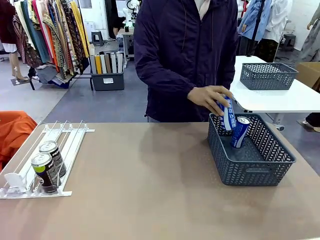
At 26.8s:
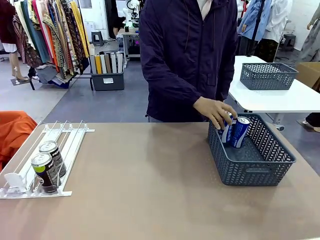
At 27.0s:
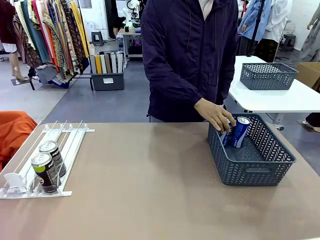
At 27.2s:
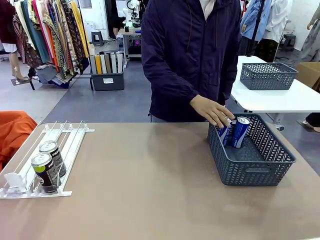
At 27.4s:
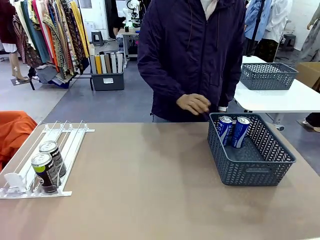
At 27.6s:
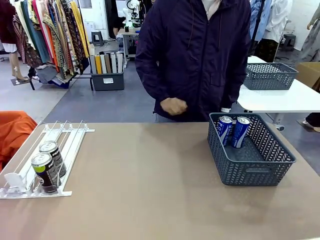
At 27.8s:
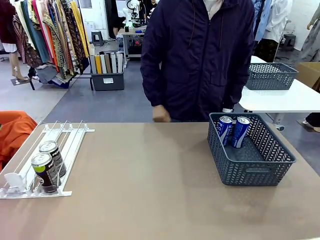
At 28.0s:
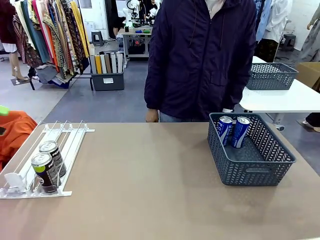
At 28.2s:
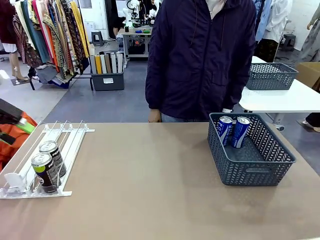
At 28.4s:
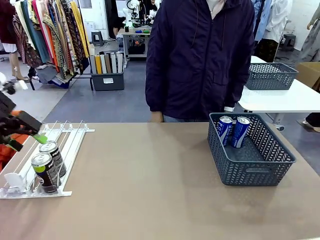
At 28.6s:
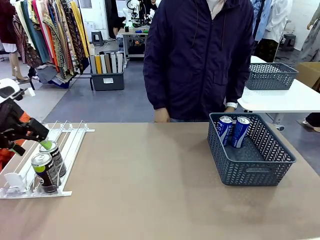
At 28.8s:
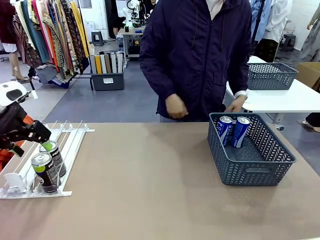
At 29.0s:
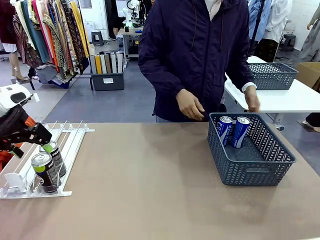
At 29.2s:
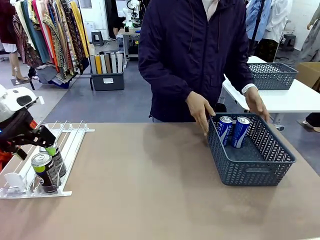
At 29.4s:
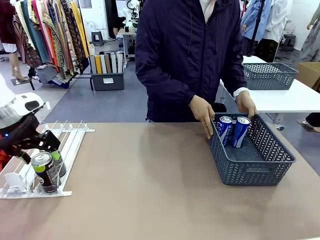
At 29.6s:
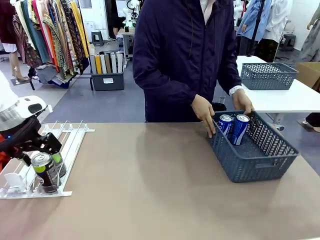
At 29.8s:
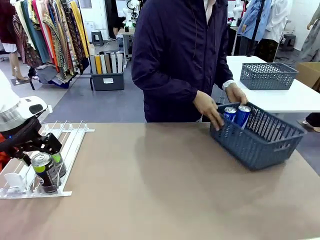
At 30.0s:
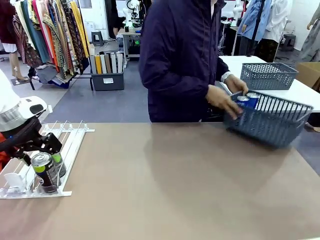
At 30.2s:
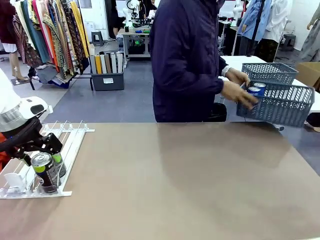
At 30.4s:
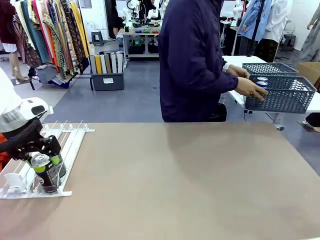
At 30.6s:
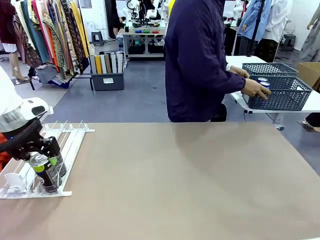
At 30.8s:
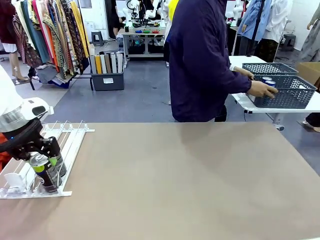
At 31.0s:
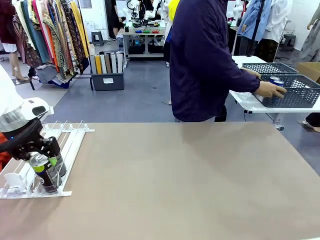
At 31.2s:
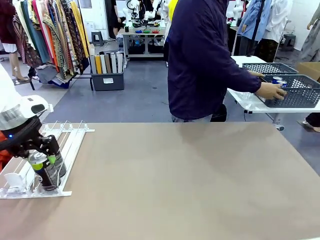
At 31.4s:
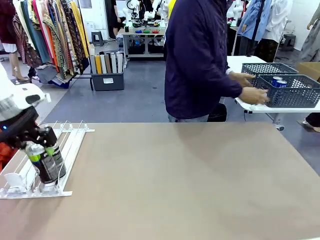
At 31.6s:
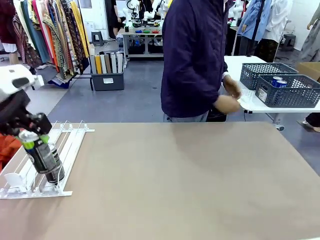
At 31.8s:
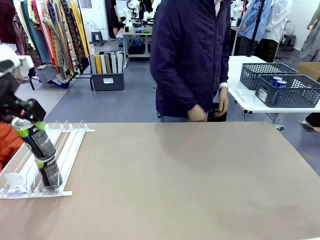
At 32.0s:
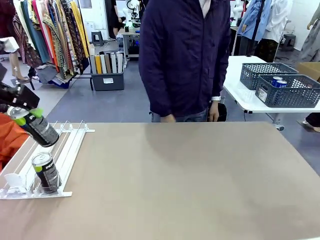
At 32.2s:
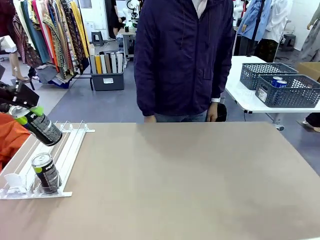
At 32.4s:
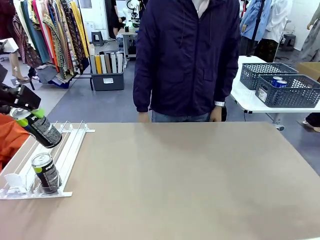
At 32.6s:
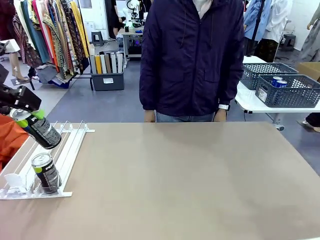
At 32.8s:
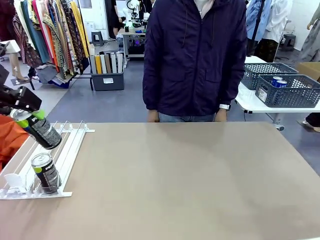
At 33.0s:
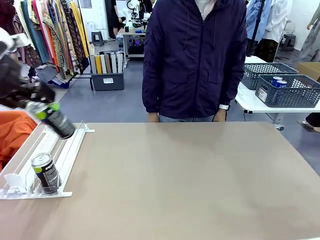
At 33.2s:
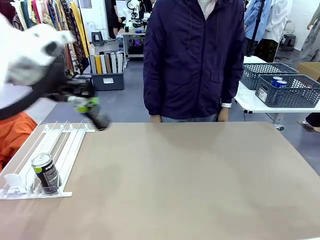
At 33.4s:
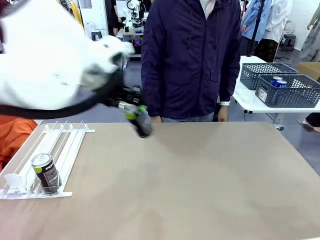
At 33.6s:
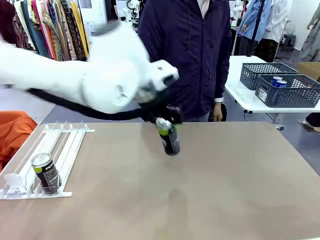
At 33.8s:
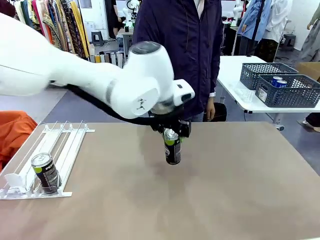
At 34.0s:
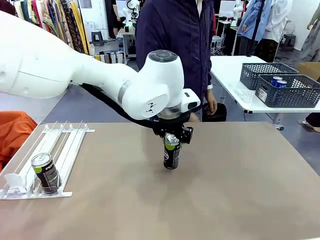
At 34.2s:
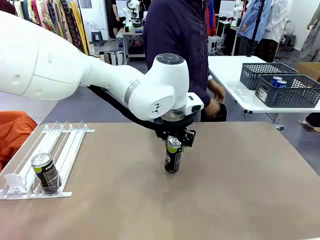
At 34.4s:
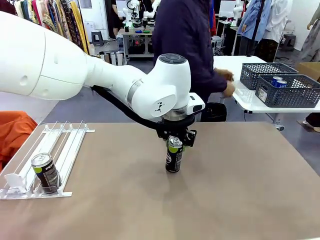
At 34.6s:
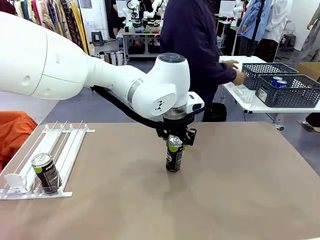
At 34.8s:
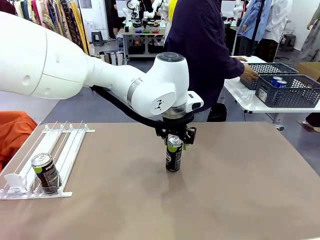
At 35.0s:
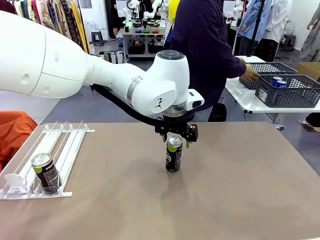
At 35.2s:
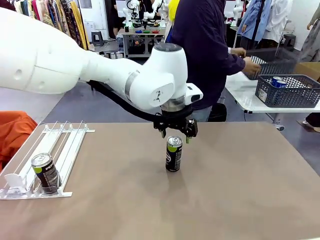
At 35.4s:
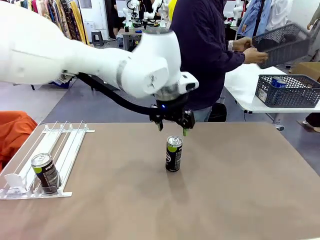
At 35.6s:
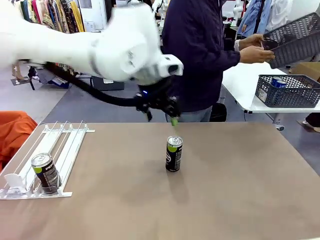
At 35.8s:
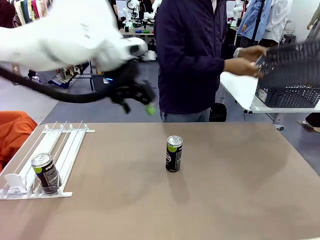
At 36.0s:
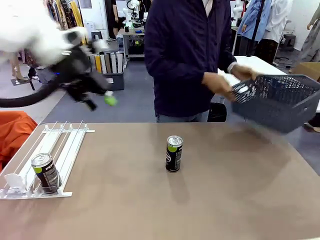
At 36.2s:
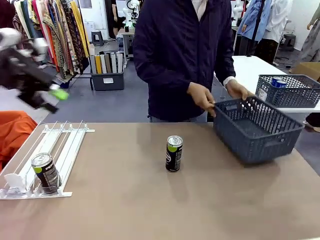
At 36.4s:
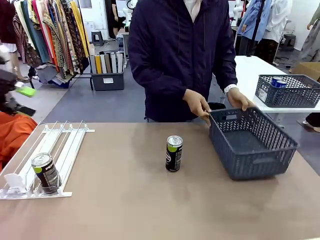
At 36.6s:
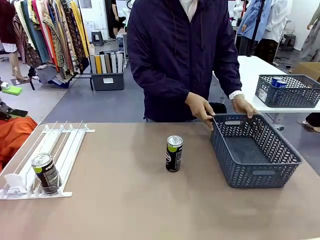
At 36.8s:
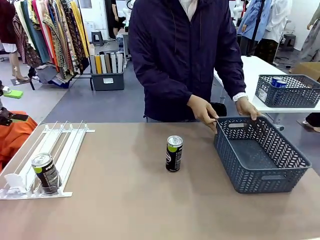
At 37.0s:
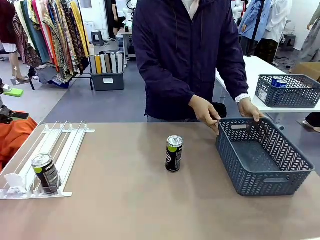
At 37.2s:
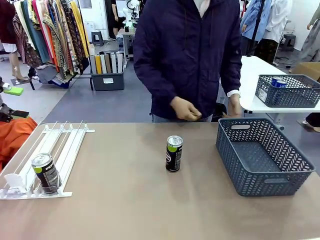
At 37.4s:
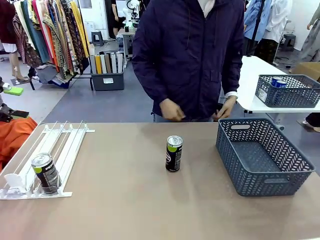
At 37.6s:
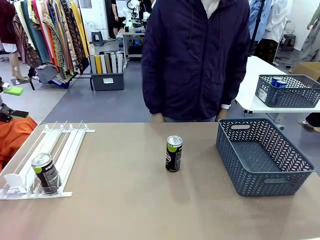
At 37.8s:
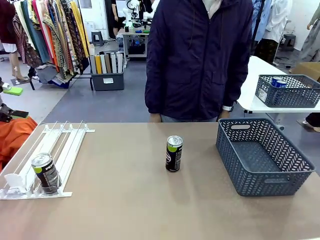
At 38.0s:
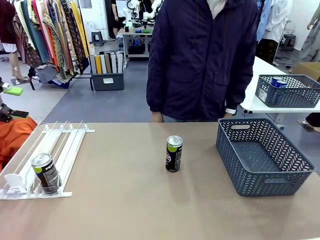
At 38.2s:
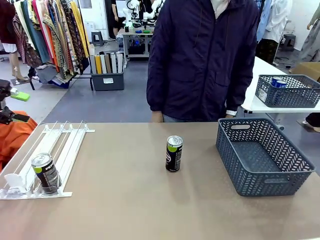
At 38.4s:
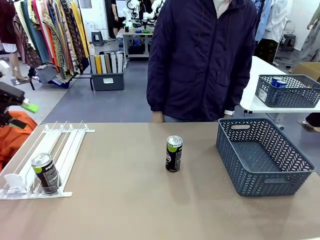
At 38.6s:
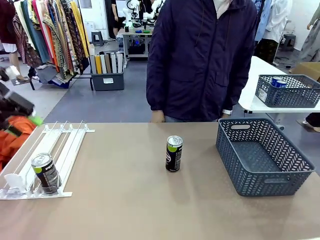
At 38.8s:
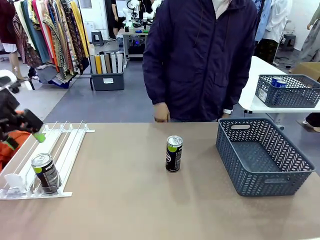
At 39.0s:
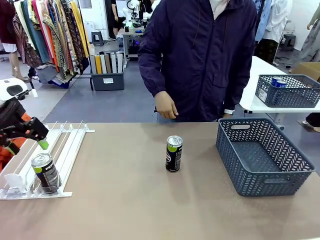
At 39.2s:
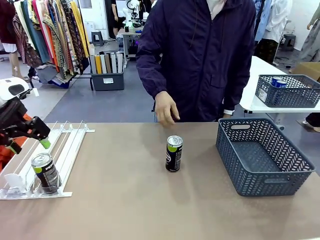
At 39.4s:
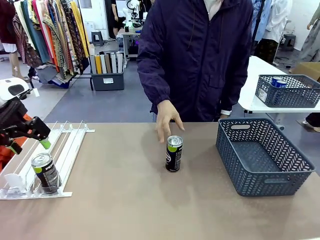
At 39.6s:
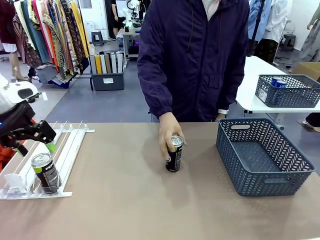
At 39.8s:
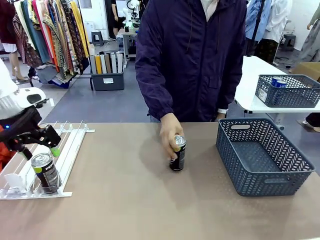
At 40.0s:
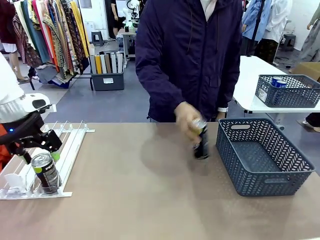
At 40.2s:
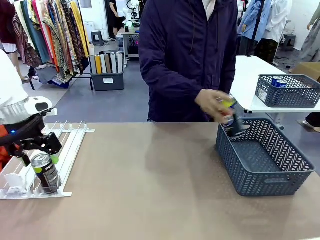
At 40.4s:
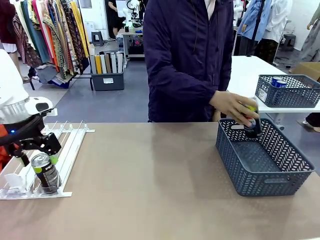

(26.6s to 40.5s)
Task: Retrieve and store the cans from the dispenser.
Robot: Pick up one can from the Automatic Can Dispenser and place it in the middle of the table.
Person: Pick up the basket and place it in the middle of the human table. Pick up the empty basket and place it on the left side of the robot table.

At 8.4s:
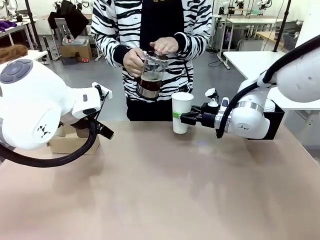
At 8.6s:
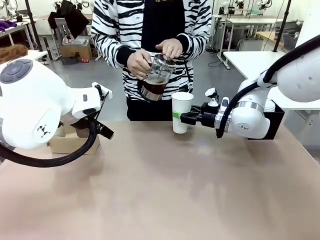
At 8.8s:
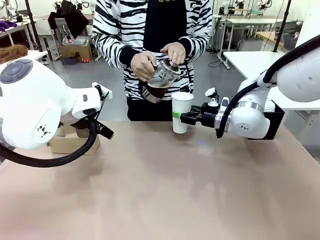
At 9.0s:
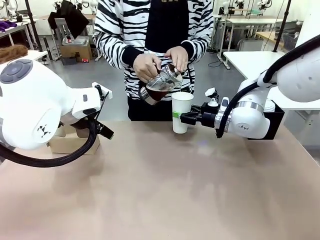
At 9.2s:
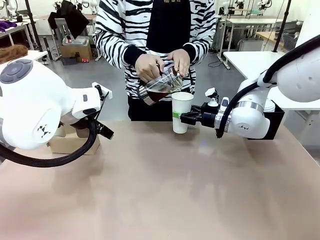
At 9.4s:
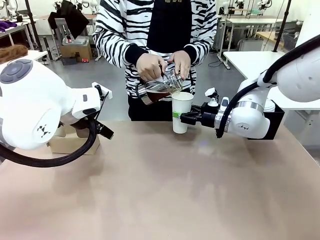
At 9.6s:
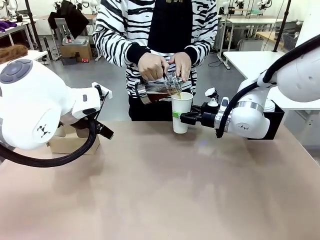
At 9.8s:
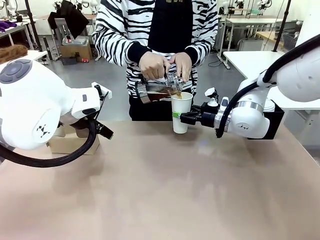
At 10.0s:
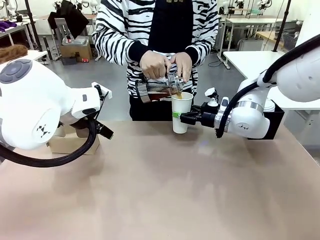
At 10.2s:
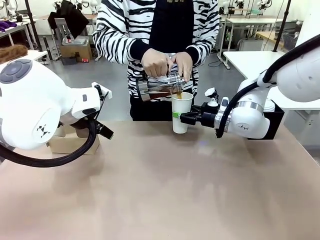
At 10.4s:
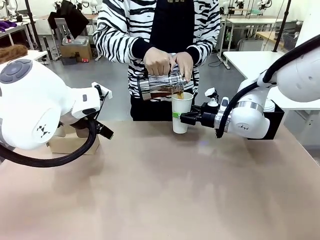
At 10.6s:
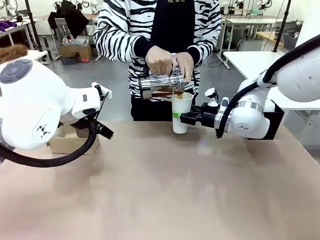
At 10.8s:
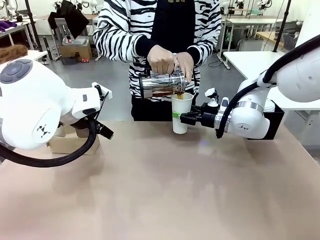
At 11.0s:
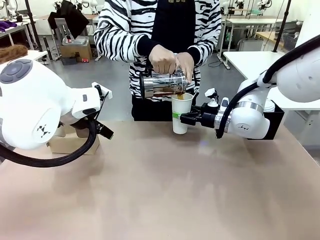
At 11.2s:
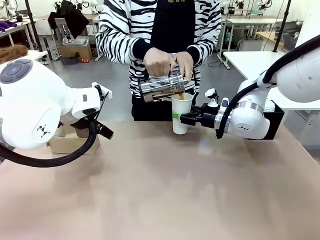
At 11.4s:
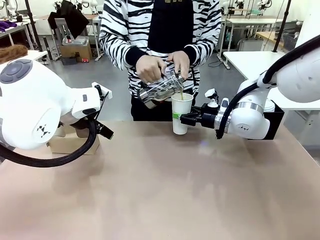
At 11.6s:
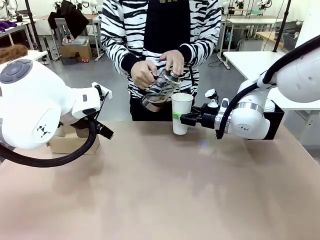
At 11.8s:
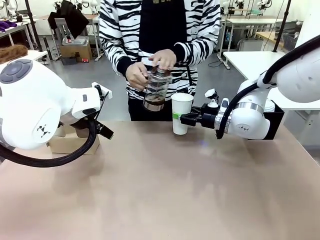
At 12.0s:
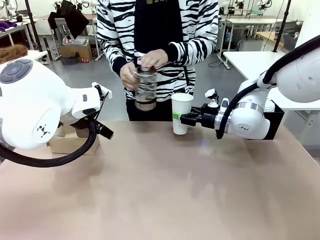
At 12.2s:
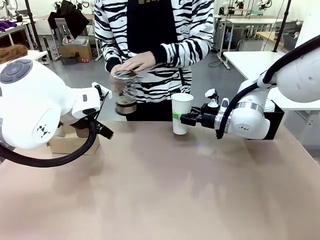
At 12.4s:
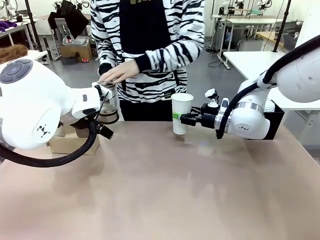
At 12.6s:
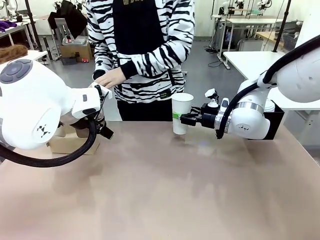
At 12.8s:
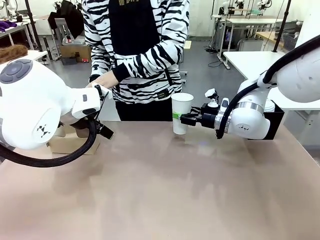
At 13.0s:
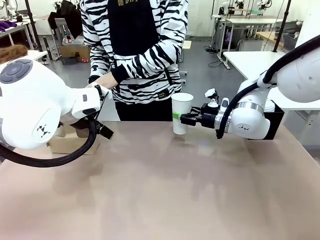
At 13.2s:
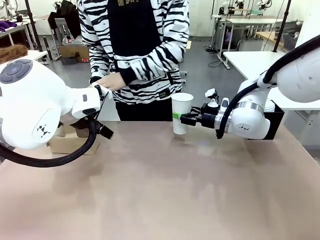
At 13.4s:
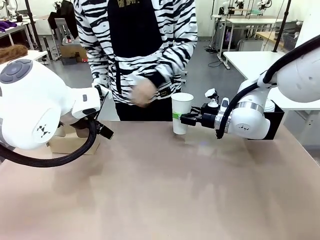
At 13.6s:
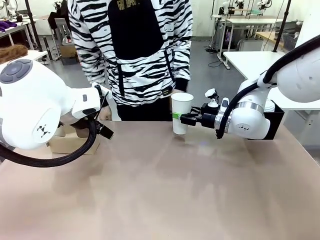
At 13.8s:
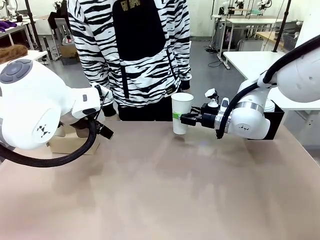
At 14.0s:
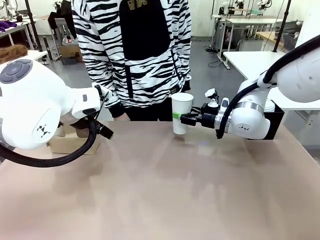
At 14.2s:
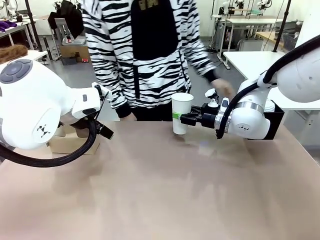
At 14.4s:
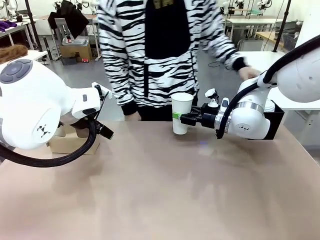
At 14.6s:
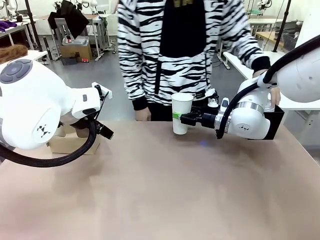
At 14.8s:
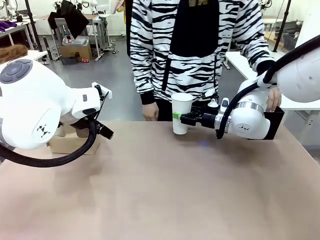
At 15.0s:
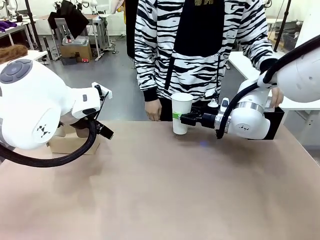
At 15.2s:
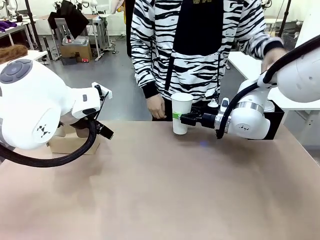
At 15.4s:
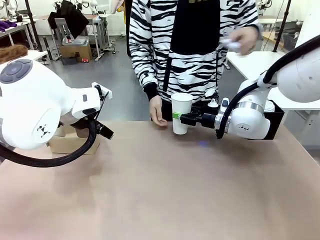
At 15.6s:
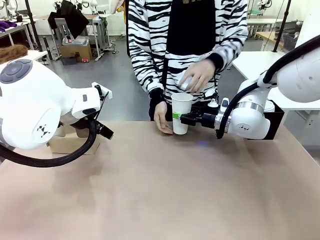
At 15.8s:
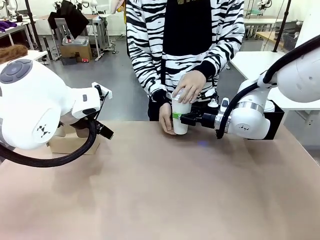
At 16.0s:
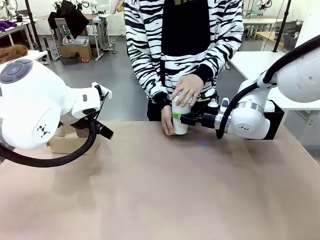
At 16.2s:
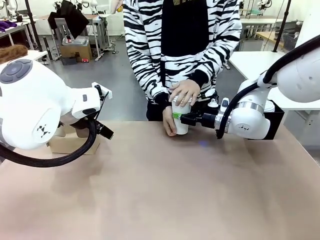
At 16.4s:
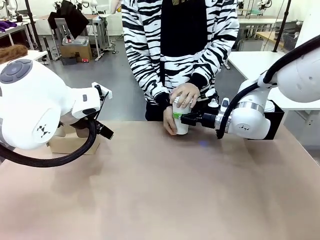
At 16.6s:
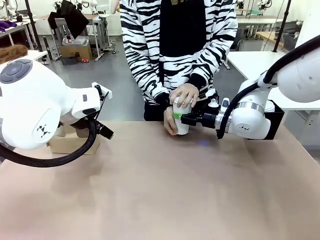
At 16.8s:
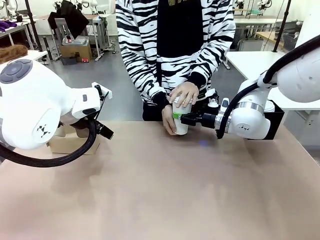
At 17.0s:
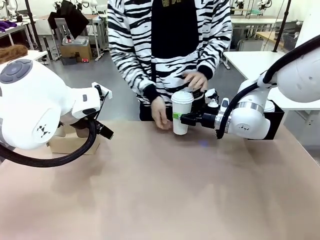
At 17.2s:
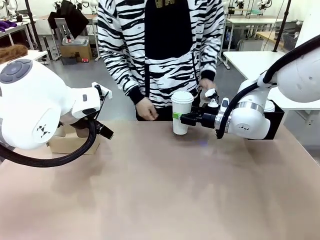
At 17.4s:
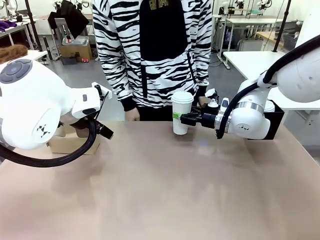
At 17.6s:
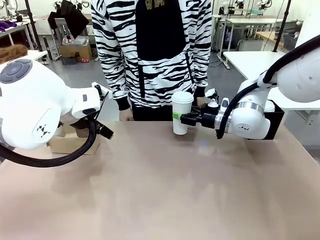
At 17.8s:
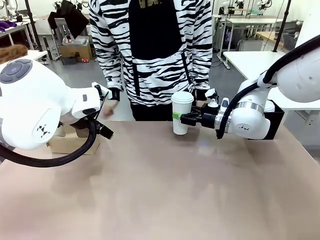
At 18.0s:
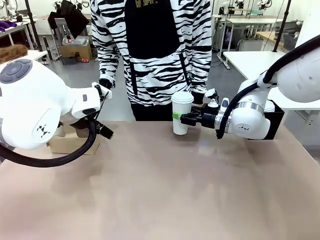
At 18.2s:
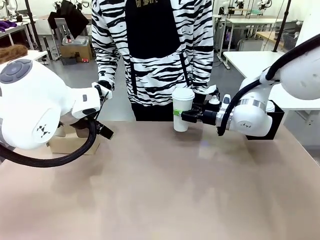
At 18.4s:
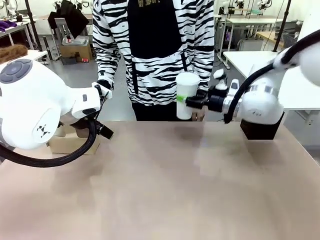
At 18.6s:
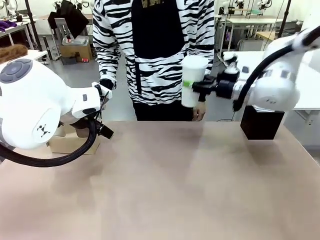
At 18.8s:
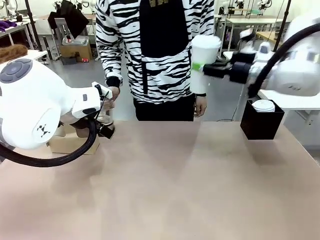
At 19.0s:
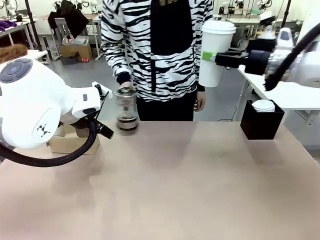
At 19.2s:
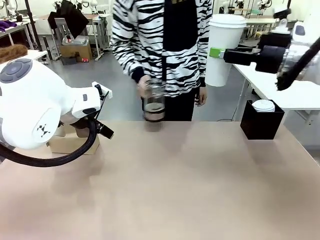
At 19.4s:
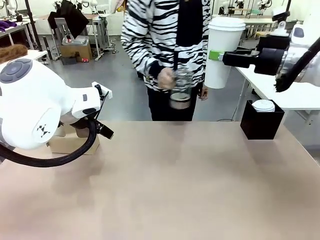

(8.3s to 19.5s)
Task: Pour a drink into a cup and package it in a carrier.
Robot: When a person places the Paper Cup Lid on the 600 ml Paper Cup , lift the 600 ml Paper Cup.
Person: Pour the drink from the Filter Brewing into the 600 ml Paper Cup. Place a Paper Cup Lid on the 600 ml Paper Cup.
